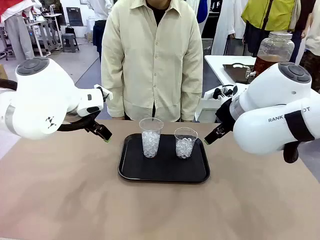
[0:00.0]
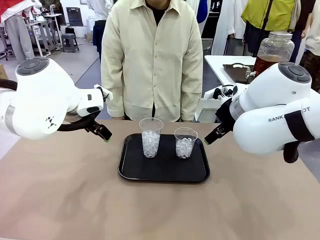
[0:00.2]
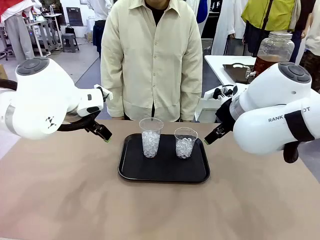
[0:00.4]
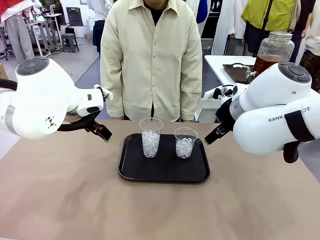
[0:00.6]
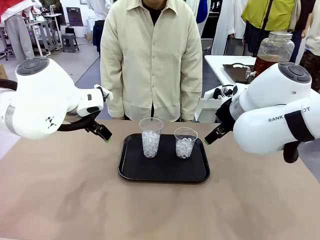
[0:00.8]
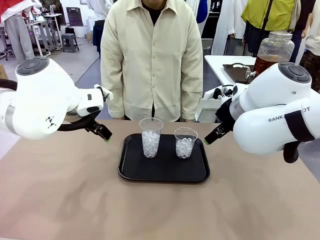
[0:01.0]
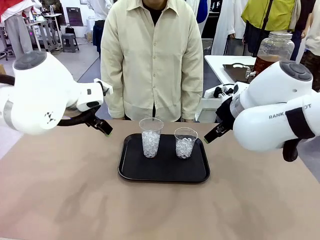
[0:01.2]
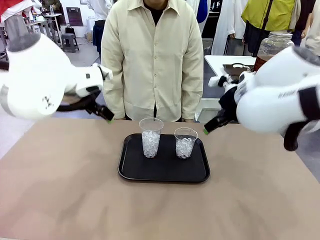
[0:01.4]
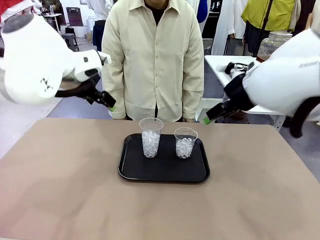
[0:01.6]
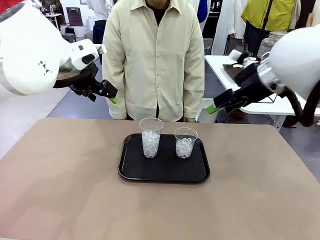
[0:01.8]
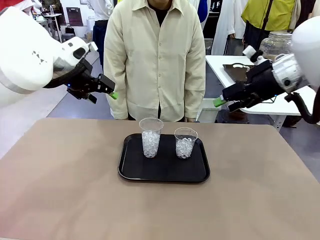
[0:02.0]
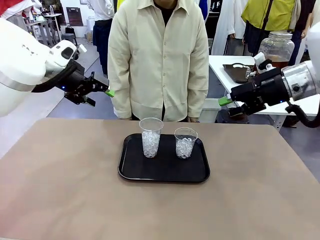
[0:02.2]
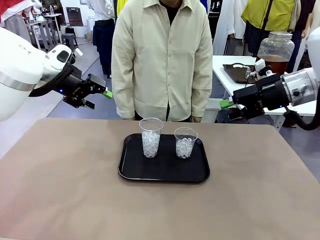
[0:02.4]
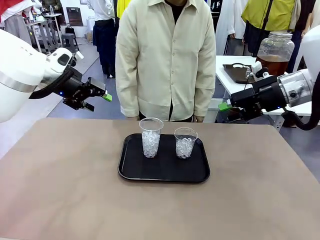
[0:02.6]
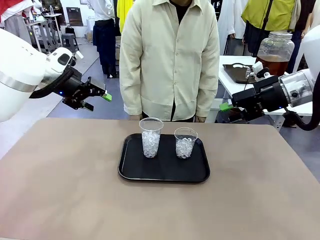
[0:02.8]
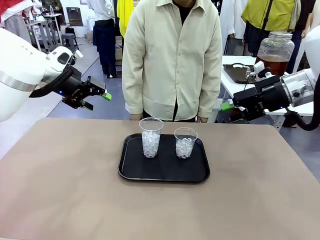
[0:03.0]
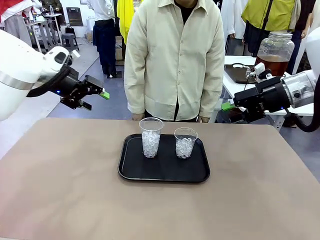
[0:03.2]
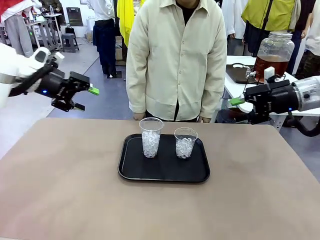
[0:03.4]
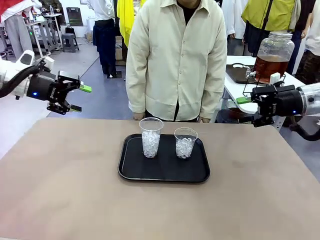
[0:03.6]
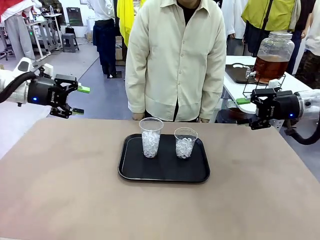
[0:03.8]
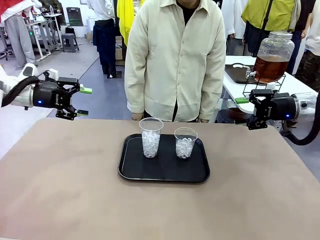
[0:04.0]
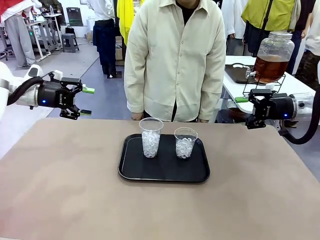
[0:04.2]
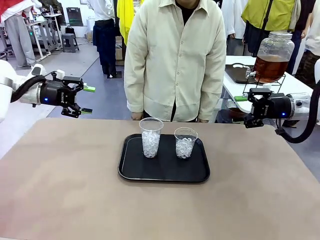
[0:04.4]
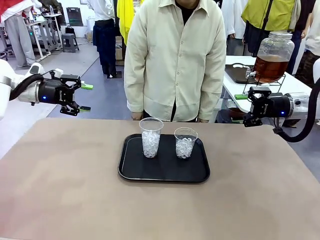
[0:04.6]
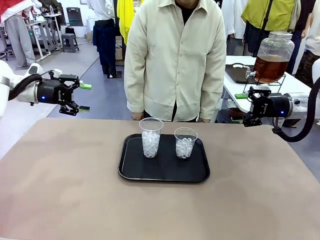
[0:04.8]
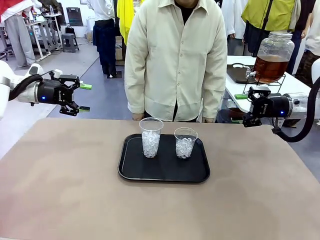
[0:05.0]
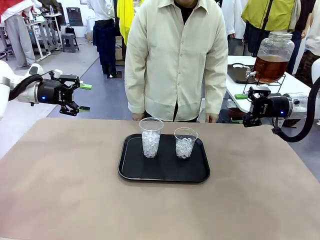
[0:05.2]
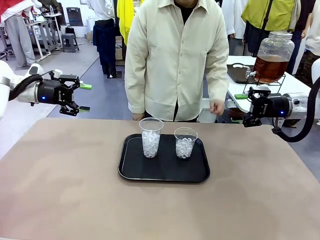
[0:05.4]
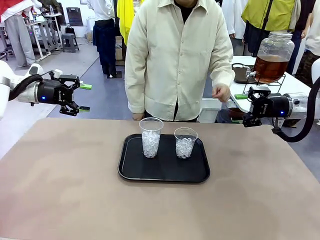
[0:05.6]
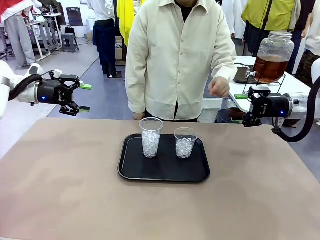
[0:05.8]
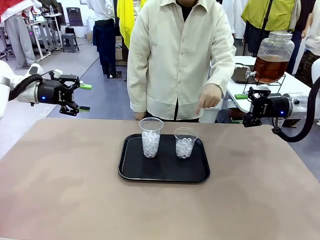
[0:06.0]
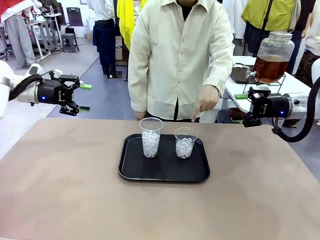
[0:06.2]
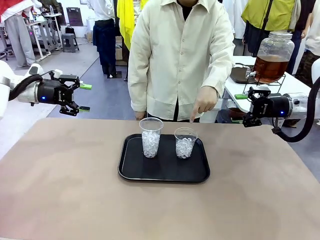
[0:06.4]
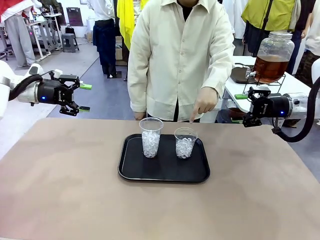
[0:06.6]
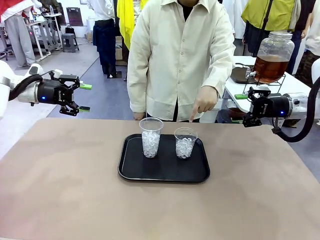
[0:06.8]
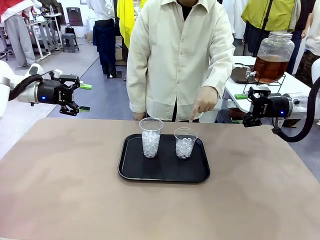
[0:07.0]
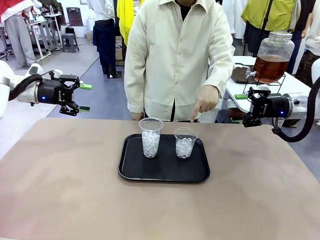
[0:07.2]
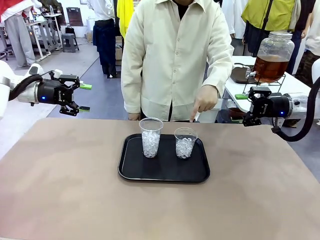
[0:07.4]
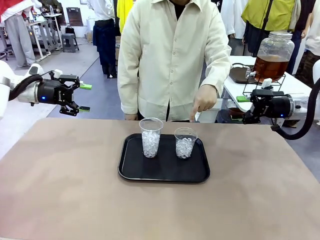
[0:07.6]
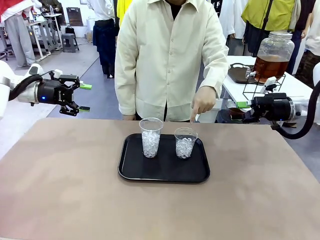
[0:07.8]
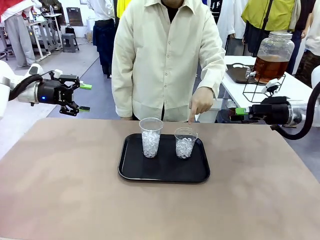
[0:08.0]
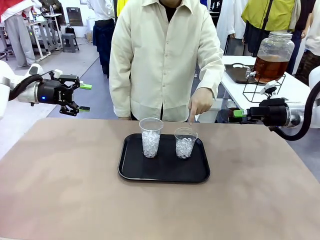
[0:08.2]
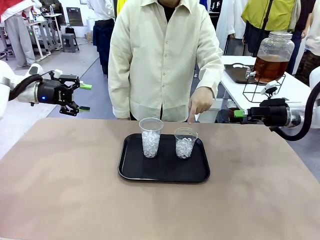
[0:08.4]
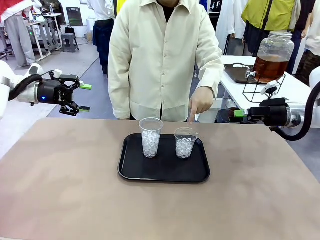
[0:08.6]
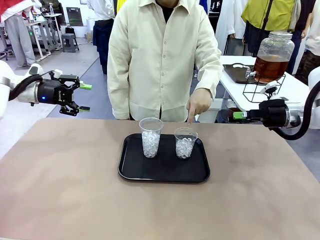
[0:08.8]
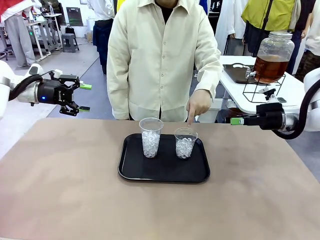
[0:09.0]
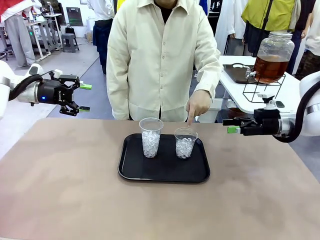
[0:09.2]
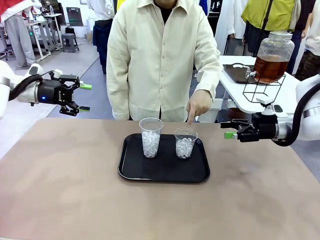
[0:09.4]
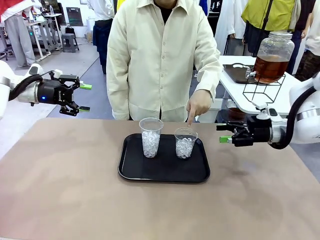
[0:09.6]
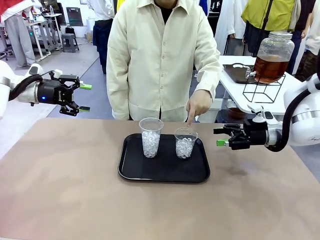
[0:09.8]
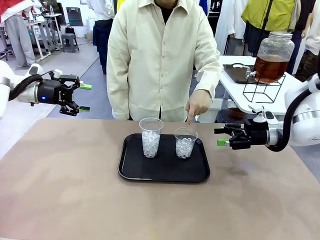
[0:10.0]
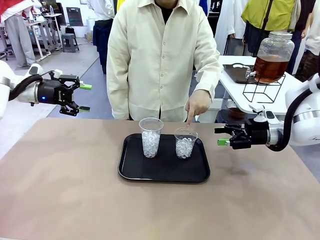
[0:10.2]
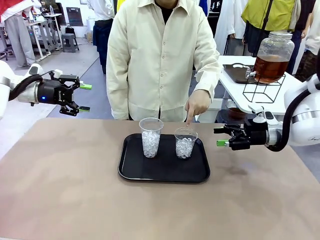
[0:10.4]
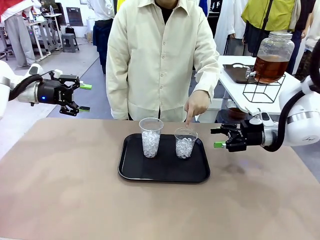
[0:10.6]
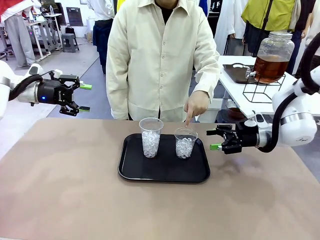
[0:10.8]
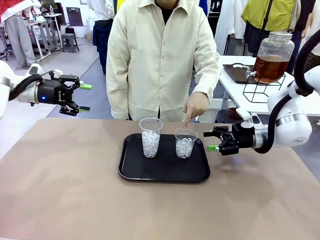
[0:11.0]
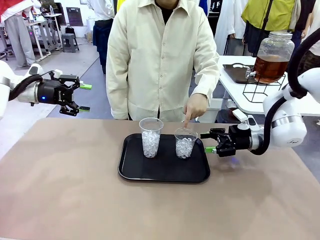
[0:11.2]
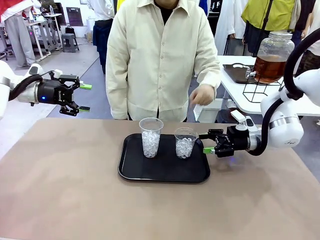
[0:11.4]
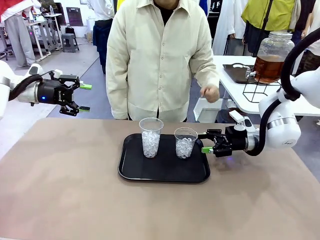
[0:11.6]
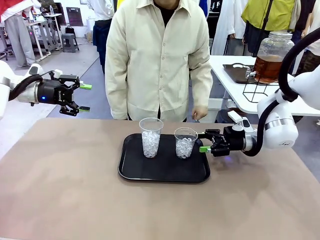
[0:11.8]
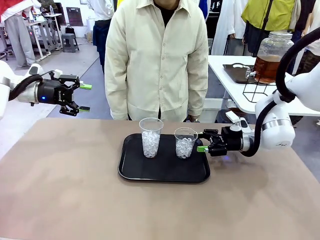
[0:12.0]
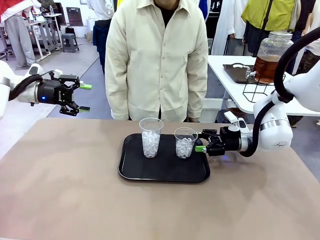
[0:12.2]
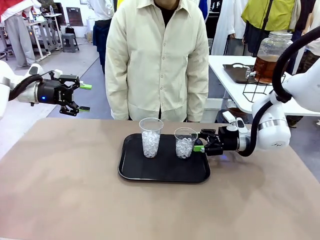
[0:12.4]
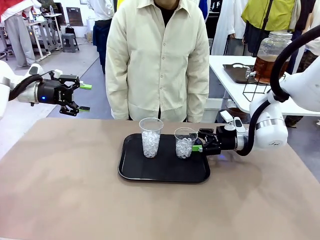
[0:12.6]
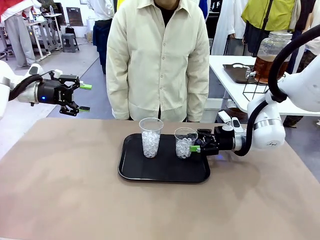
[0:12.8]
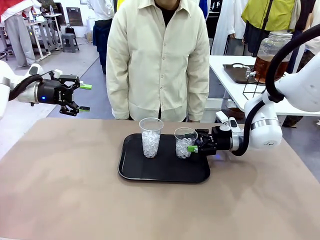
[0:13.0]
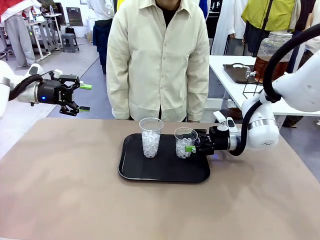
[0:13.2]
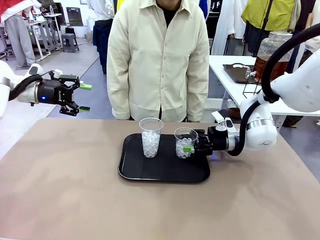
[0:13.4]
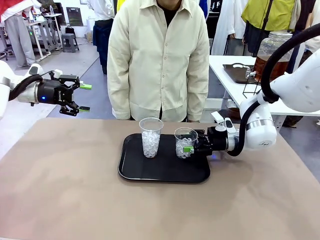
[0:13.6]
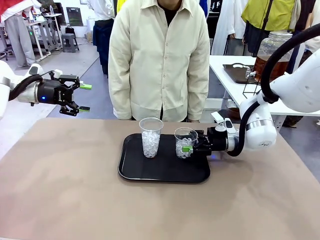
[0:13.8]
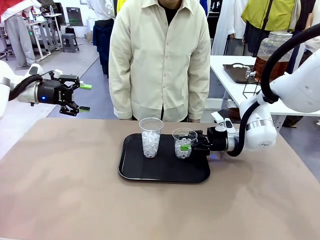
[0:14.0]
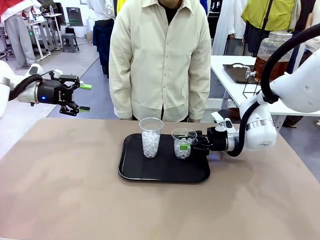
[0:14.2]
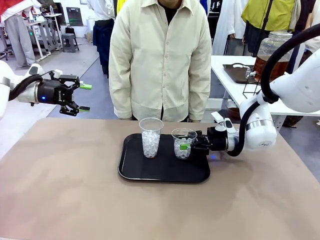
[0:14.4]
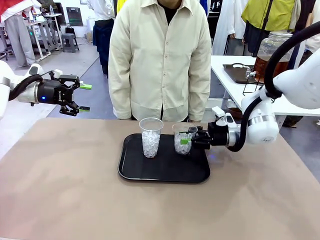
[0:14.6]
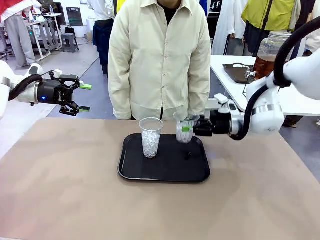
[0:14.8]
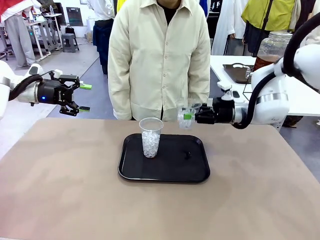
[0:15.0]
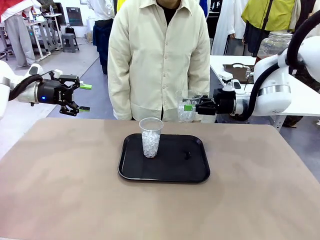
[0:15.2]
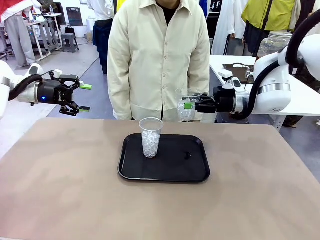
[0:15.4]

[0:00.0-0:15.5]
Task: Pour the drink into the iced cup.
Robot: Pick up the iced cup indicated by the human and present it to them.
Person: Point to one of the two ice cups. Pick up the cup offered by the robot.

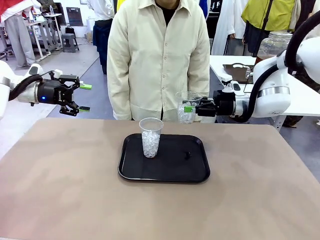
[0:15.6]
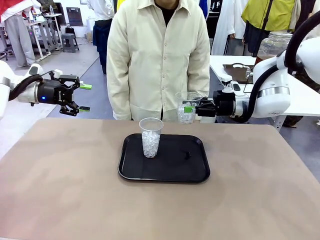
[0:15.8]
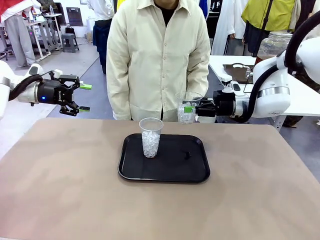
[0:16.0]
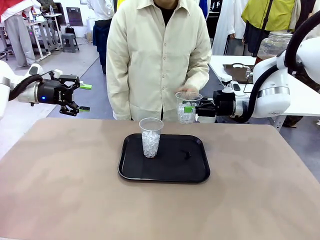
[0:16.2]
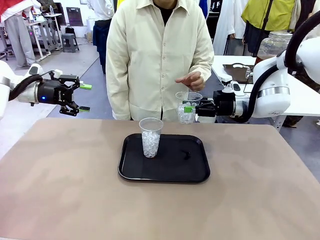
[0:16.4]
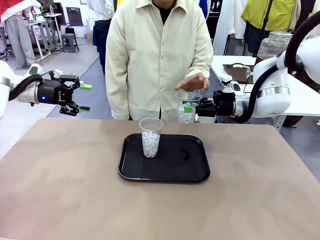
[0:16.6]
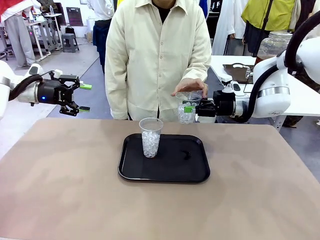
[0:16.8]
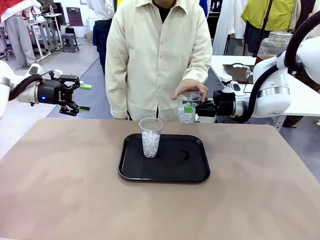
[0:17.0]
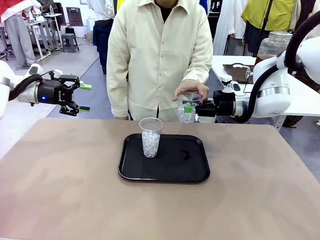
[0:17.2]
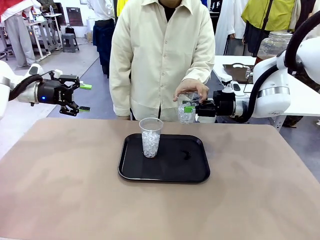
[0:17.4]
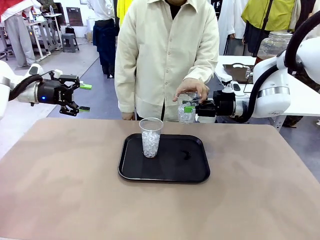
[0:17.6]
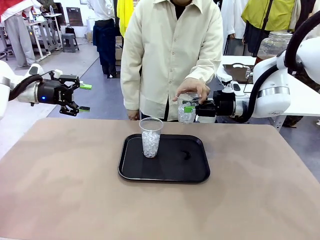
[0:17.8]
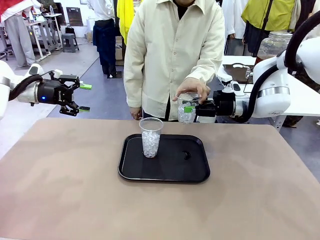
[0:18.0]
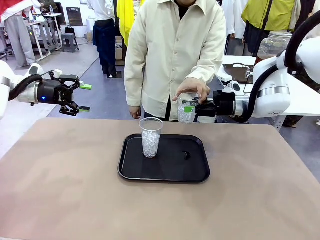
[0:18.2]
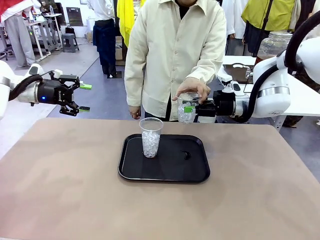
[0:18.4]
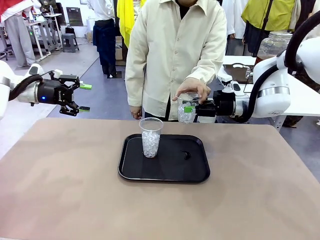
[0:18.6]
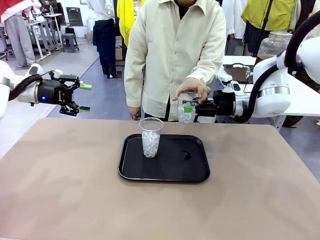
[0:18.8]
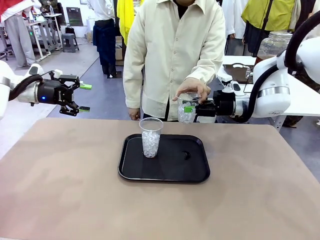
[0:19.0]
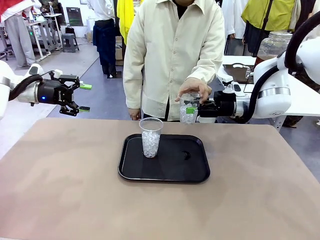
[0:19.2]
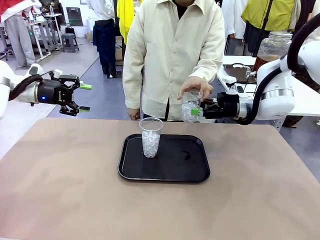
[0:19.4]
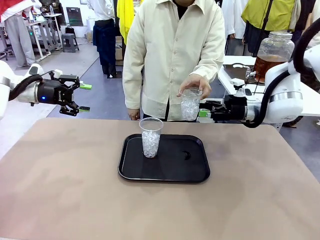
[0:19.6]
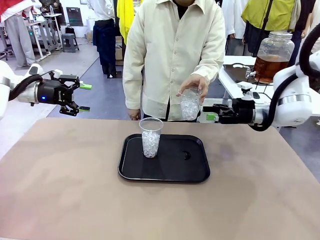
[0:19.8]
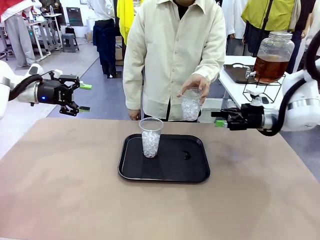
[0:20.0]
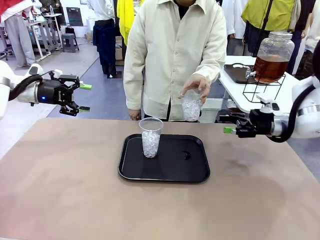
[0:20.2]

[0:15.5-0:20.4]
Robot: Open the gripper to release the iced cup you were holding.
